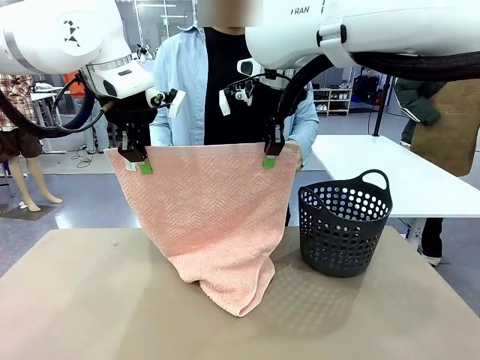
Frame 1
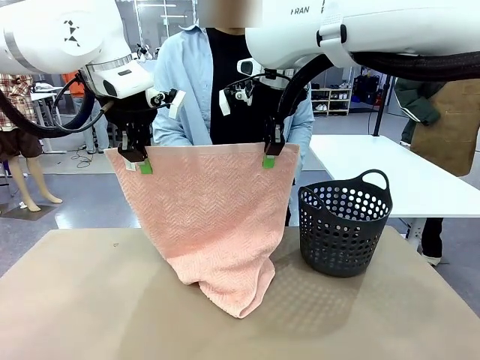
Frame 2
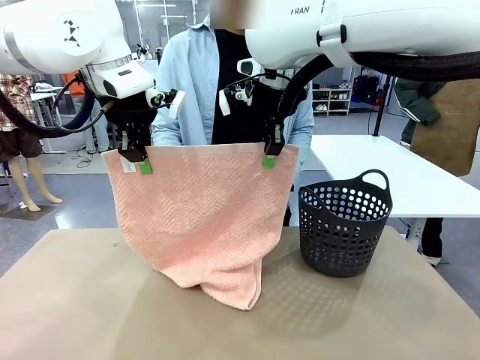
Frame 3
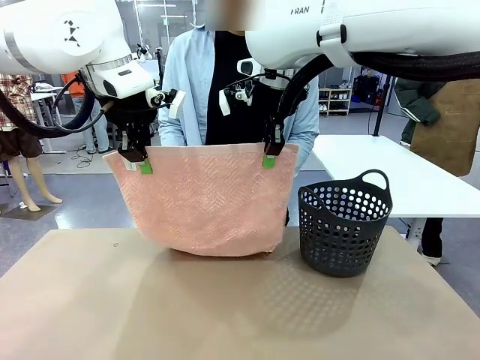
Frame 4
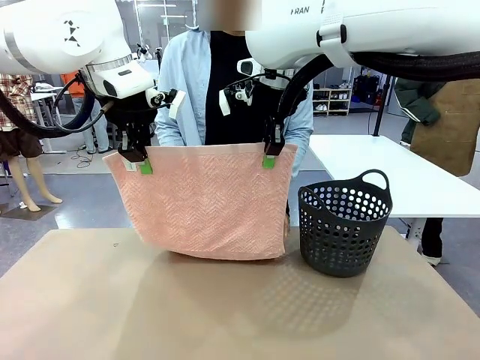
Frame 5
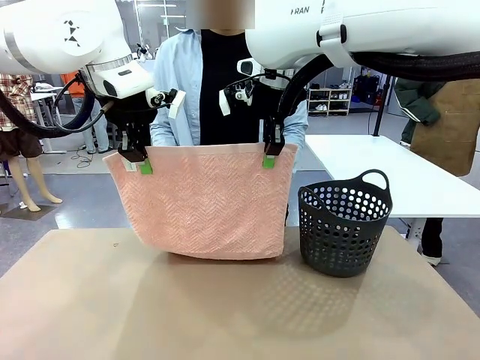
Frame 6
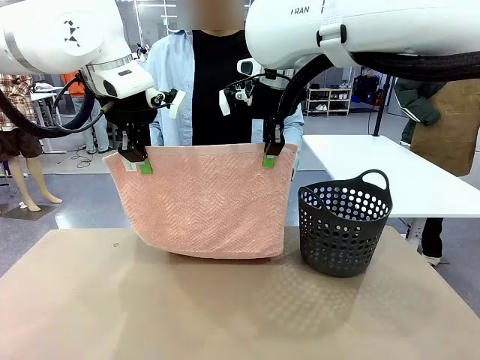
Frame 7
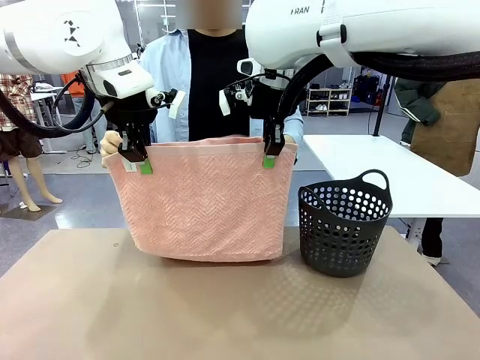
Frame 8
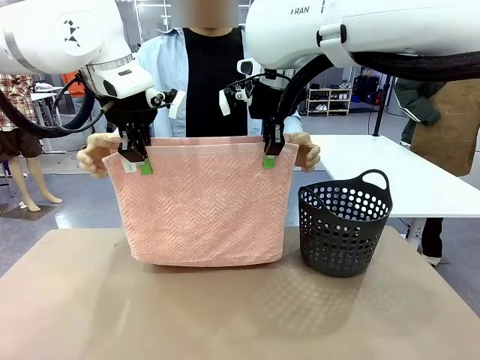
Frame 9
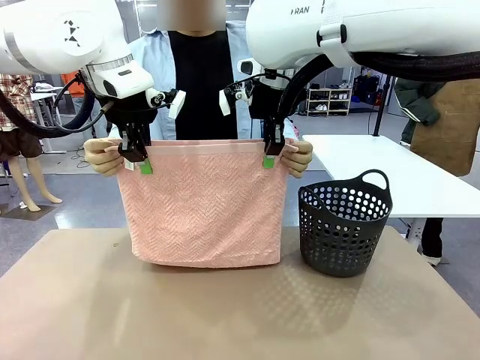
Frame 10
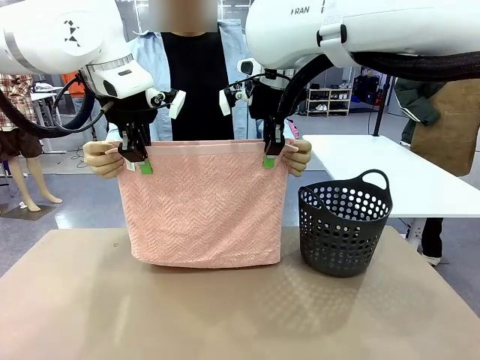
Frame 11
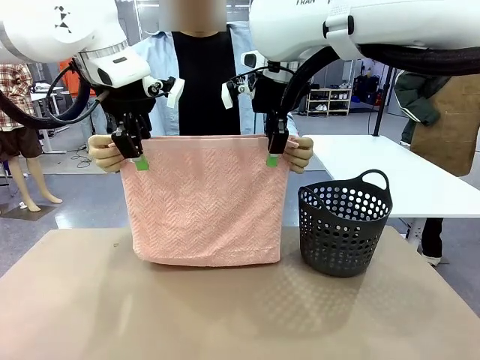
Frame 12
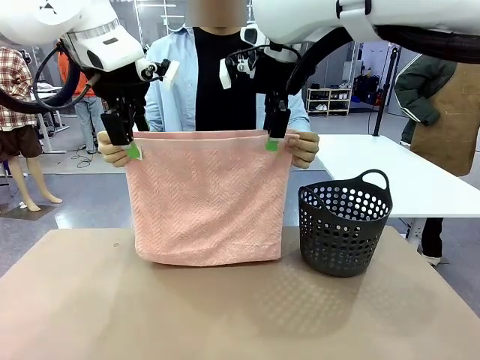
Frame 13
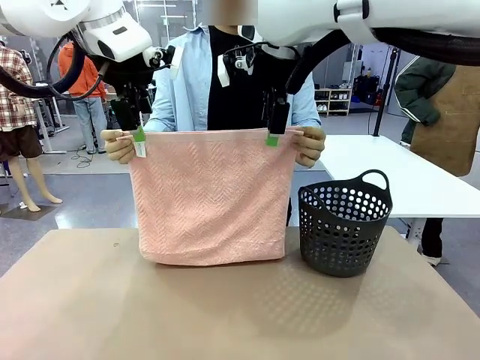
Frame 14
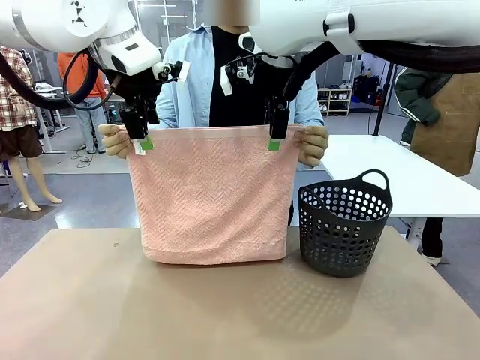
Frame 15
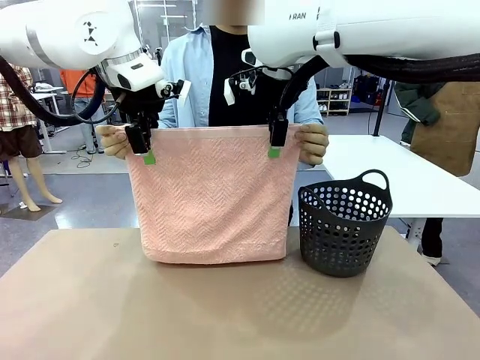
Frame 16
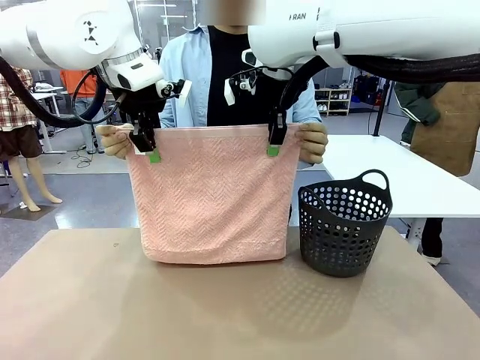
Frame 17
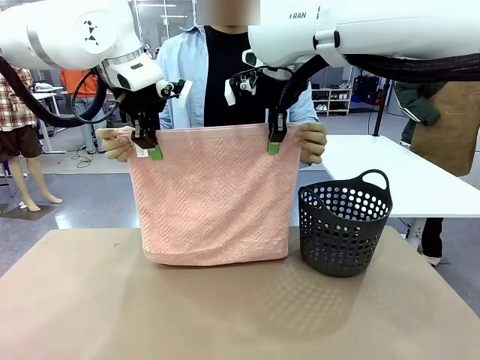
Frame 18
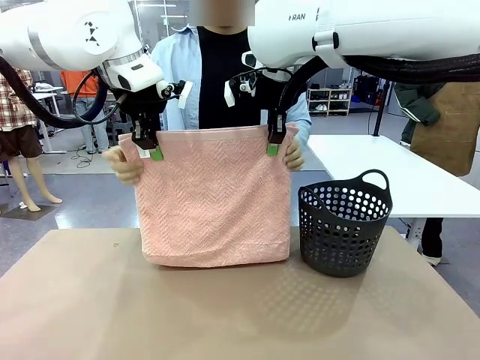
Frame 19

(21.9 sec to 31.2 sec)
Task: Fold the towel.
Robot: Release the end of the 100 cm Hotel Towel you were holding and grab the top end of the folded side.

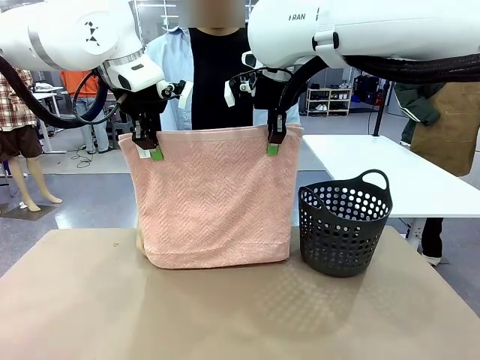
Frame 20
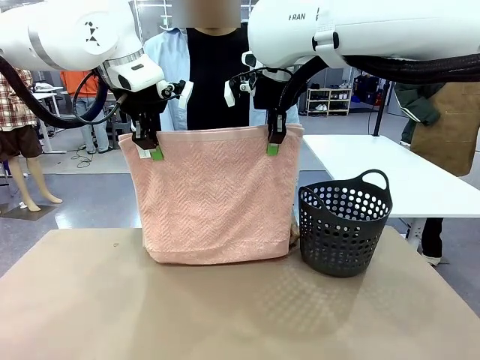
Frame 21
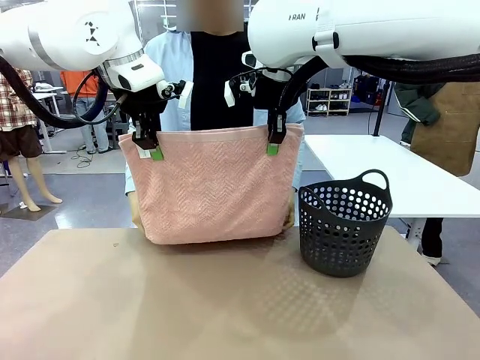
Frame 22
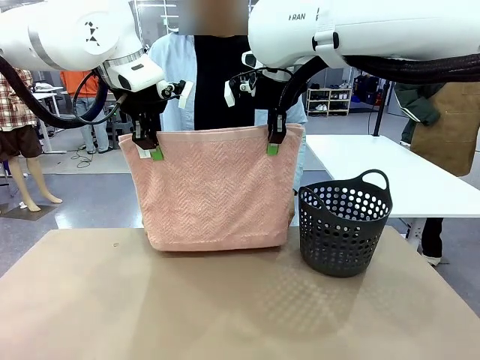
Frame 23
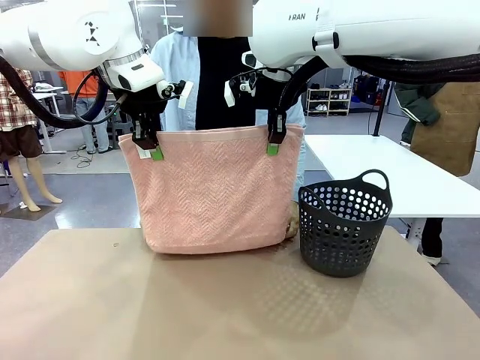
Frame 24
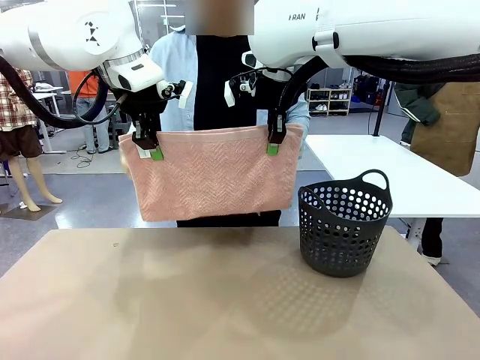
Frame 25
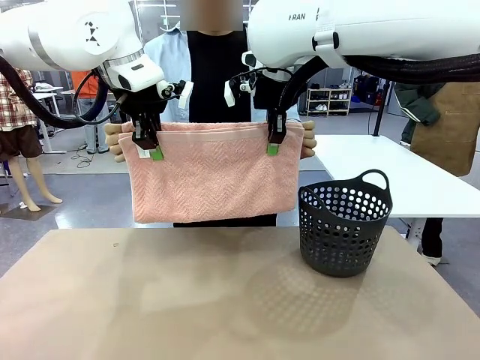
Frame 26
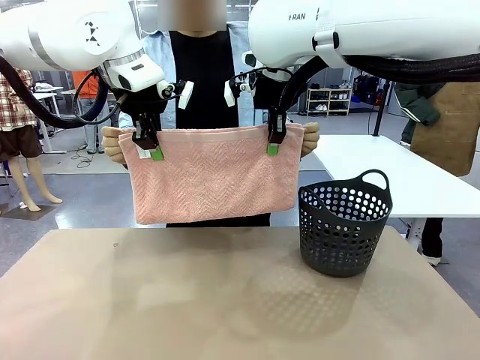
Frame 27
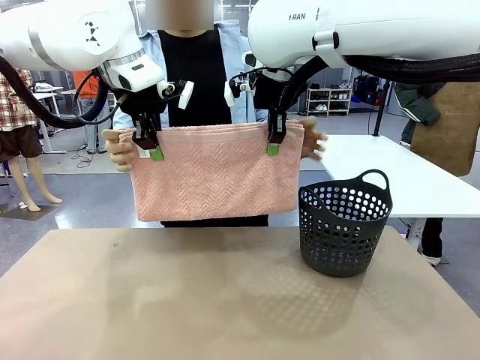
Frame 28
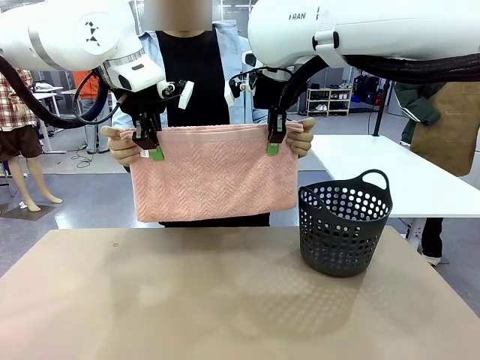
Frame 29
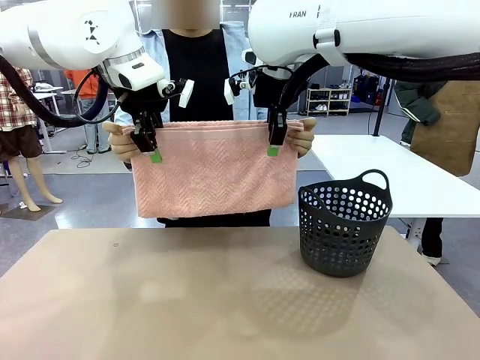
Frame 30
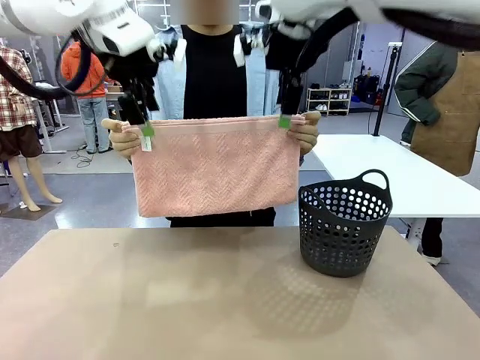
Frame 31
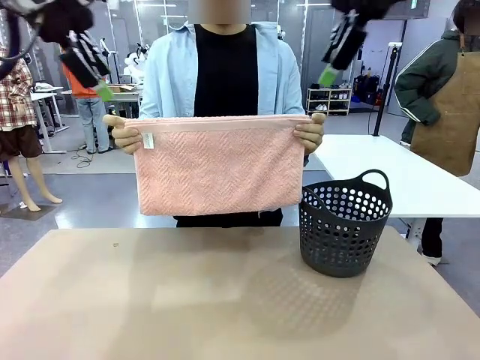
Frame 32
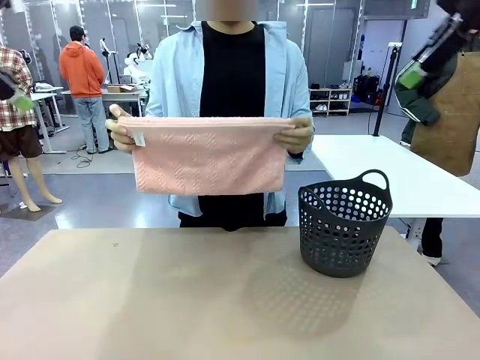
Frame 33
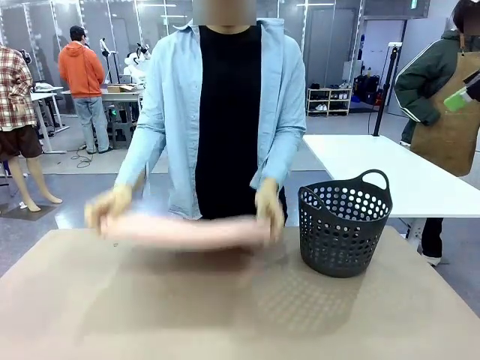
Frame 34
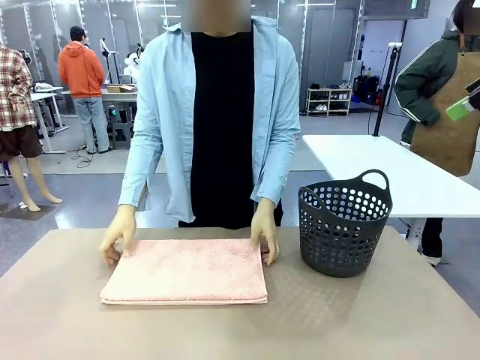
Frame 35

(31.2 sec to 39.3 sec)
Robot: Release the end of the 100 cm Hotel Towel you were holding.
Person: Place the towel at the center of the robot table and fold it in half.

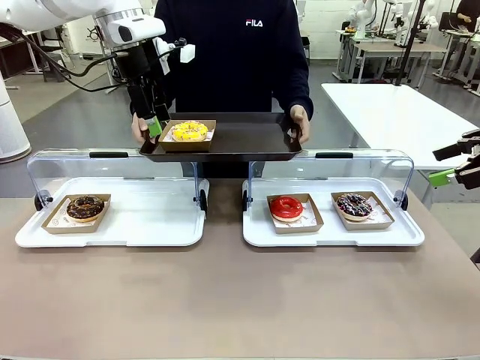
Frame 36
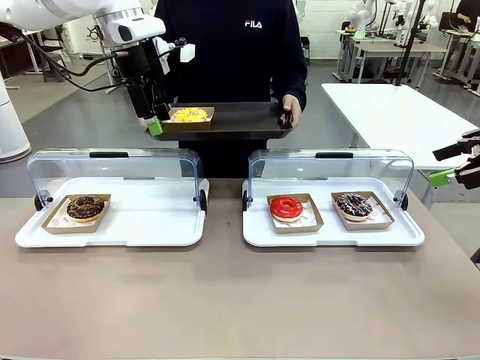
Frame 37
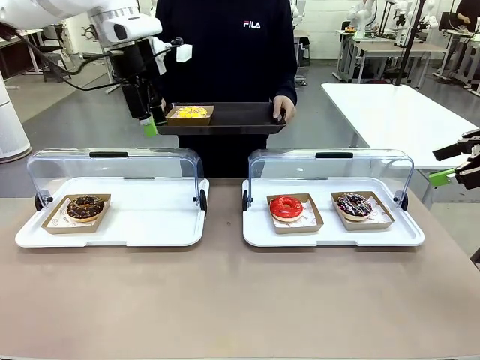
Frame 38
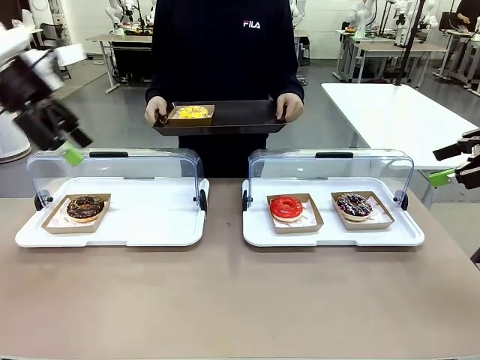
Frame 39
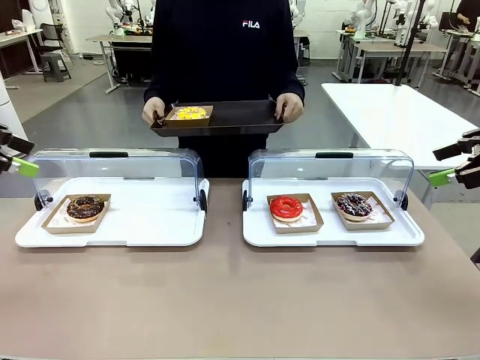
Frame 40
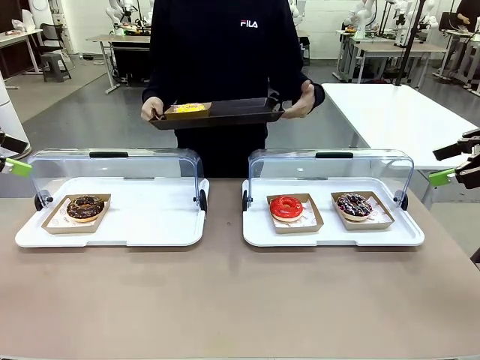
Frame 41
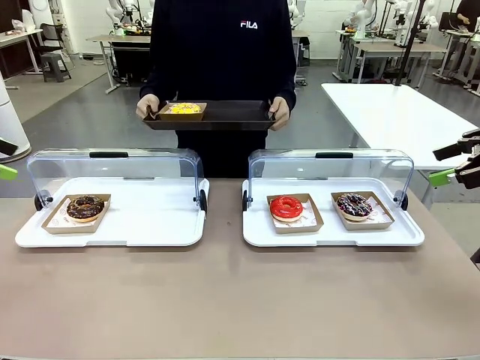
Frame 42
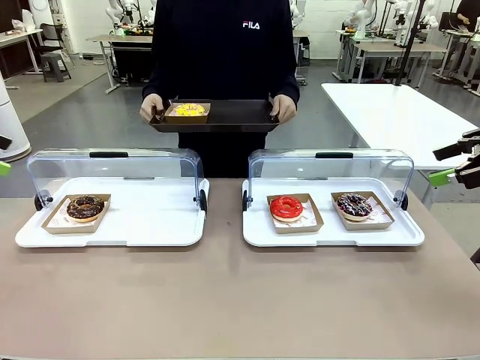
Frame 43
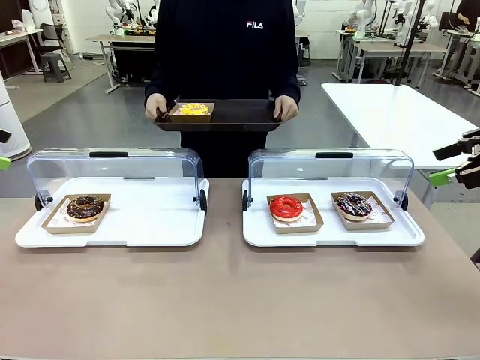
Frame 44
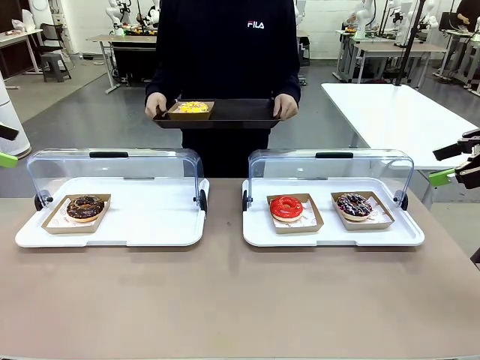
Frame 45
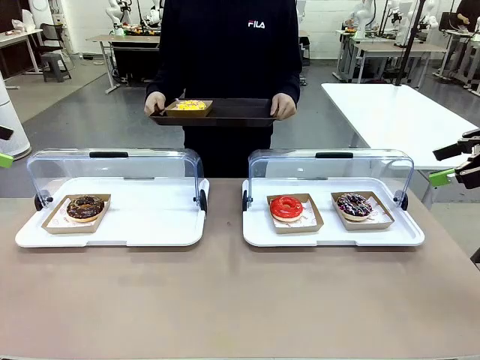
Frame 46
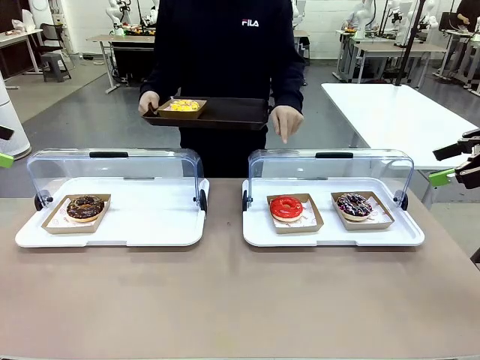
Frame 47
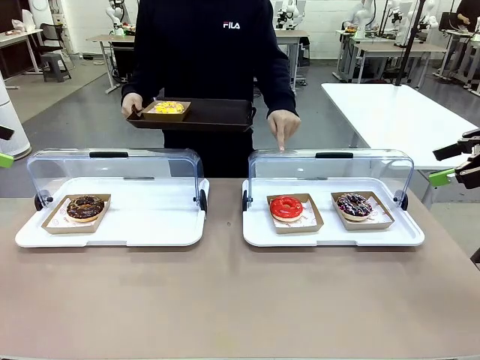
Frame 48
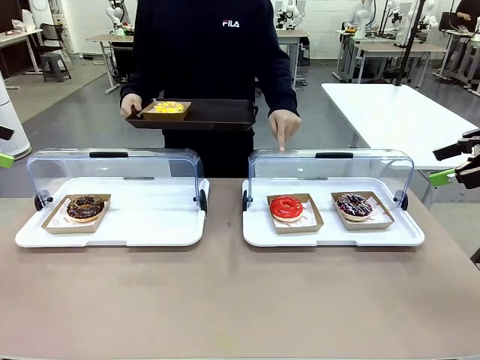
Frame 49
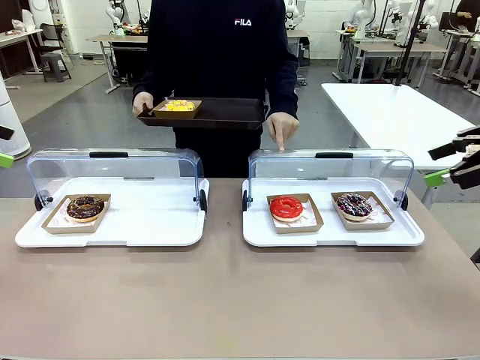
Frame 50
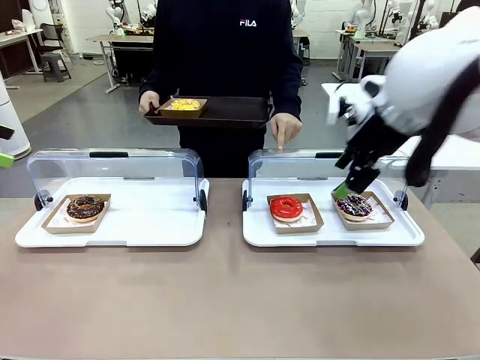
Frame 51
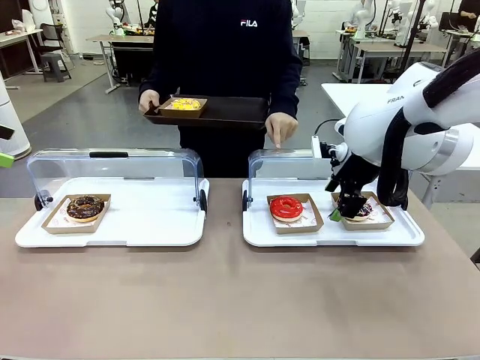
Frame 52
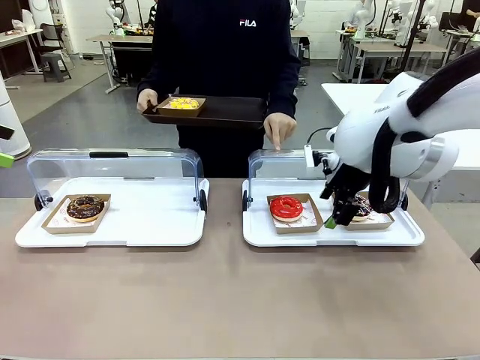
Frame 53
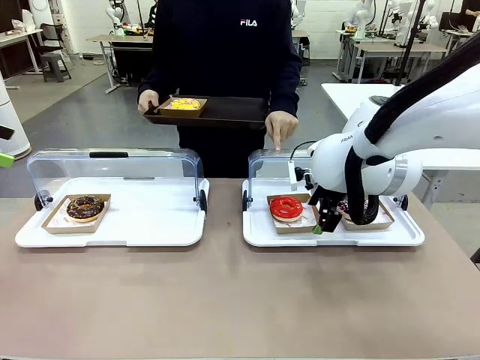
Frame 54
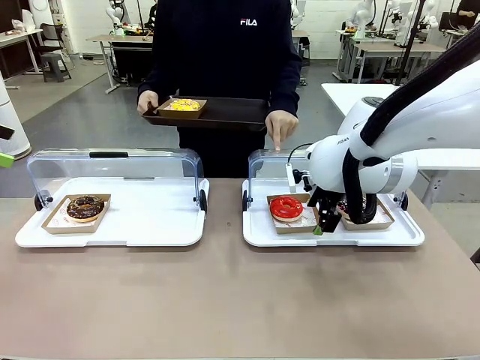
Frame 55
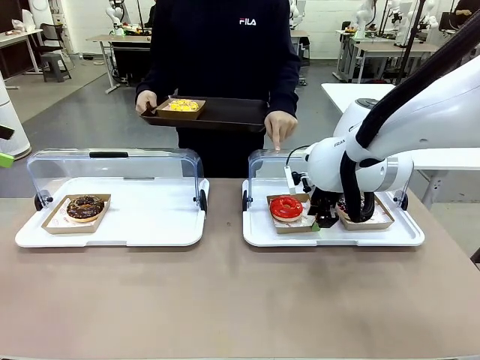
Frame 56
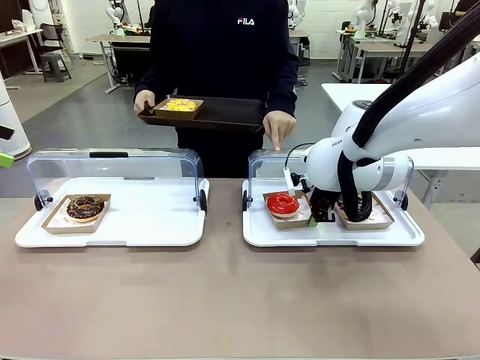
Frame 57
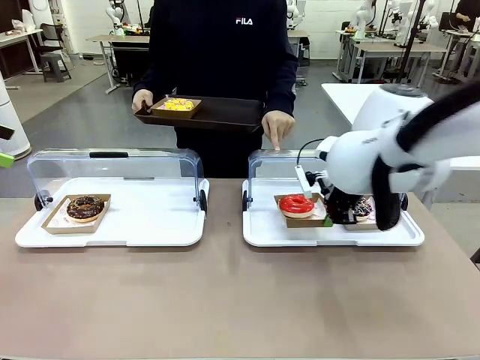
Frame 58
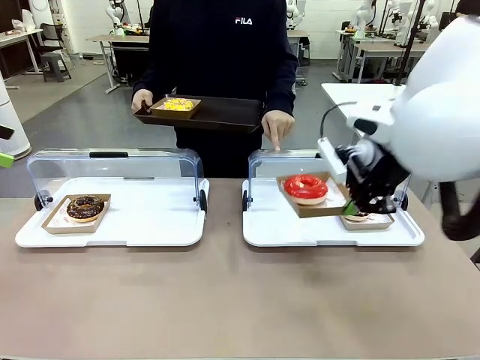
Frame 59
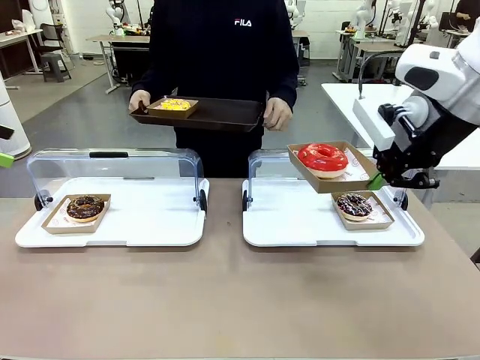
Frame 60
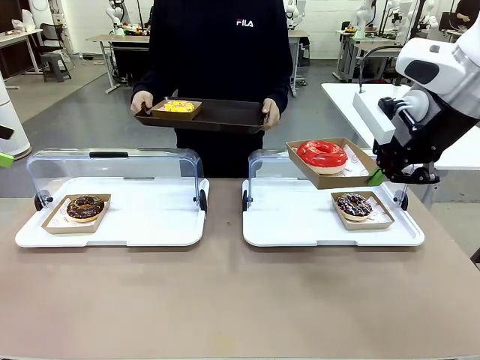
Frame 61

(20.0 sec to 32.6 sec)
Task: Provide the desired donut to the person.
Robot: Pick up and lift the Paper togo box containing the Donut pointed at by the person.
Person: Point to one donut. Lift the tray onto the Roll-Top Bakery Case.
